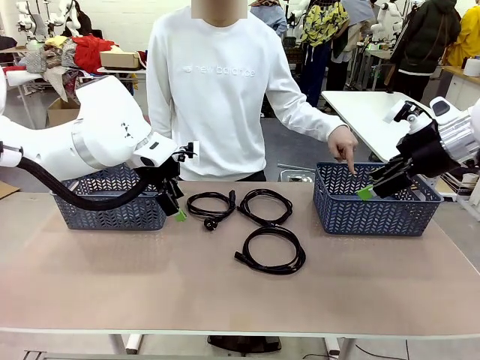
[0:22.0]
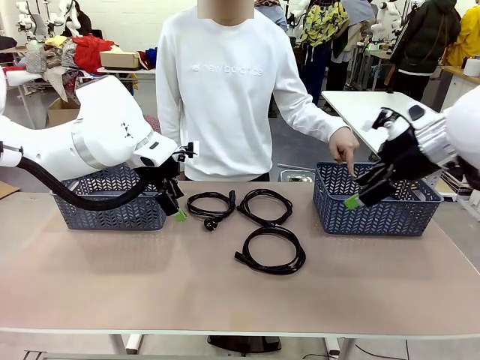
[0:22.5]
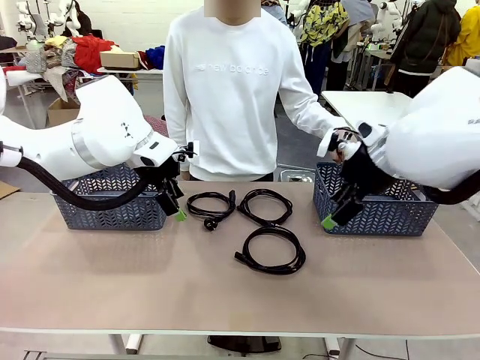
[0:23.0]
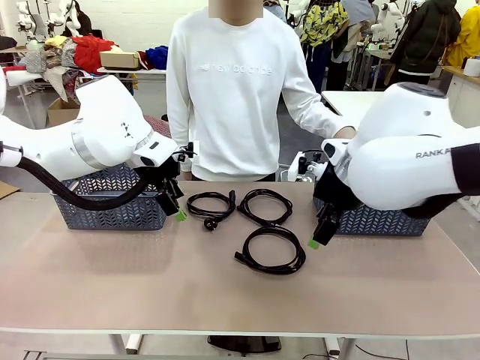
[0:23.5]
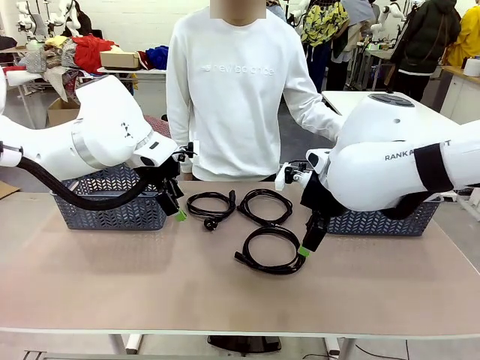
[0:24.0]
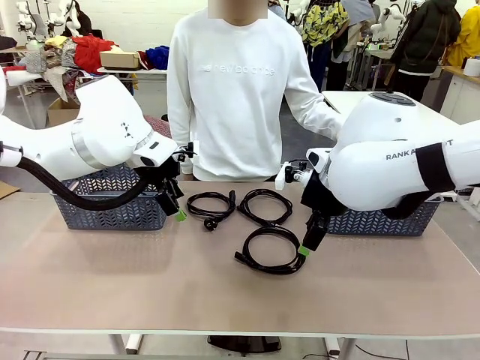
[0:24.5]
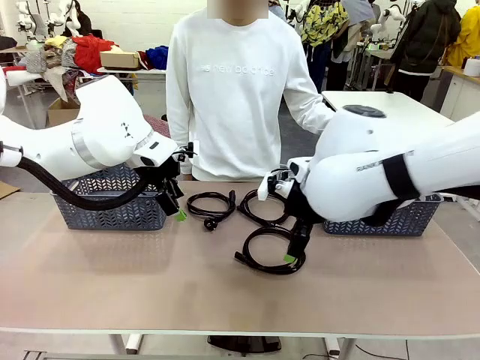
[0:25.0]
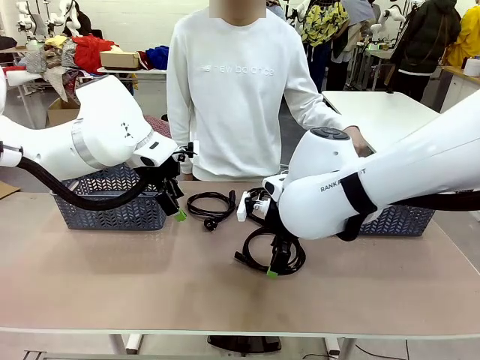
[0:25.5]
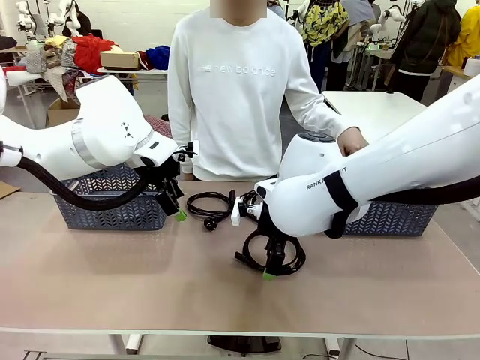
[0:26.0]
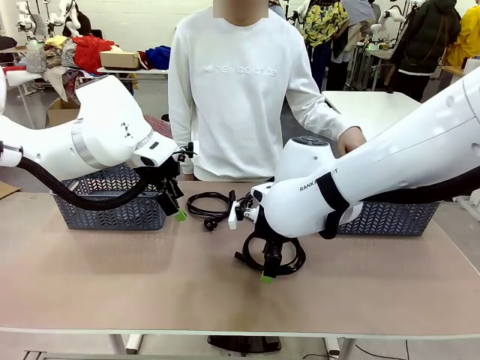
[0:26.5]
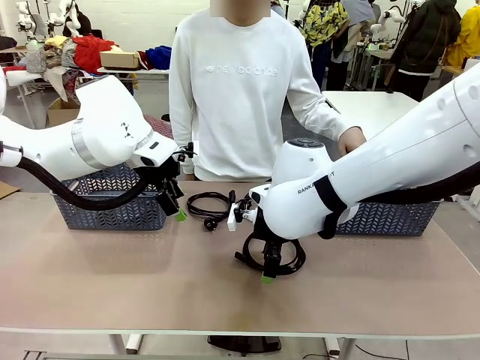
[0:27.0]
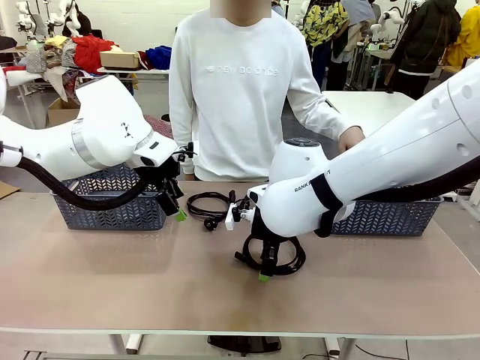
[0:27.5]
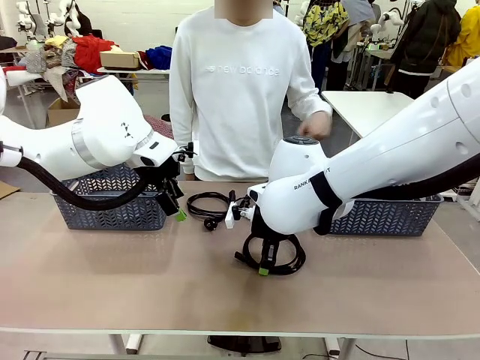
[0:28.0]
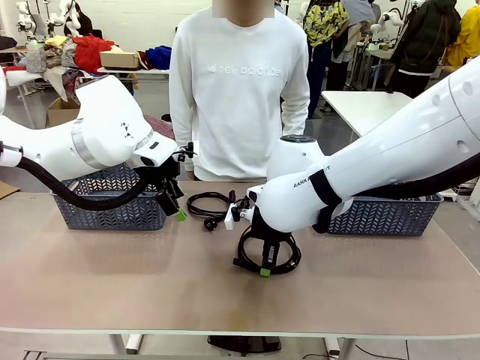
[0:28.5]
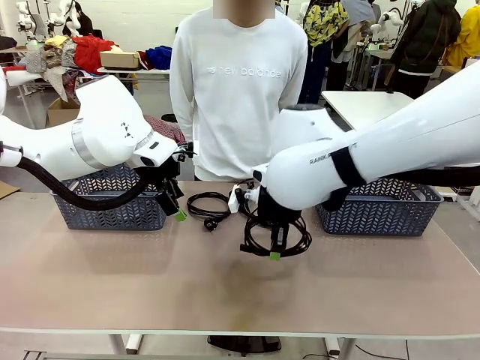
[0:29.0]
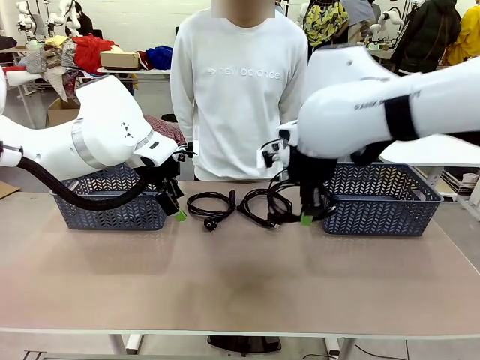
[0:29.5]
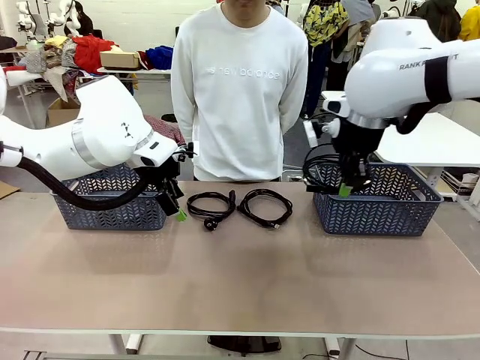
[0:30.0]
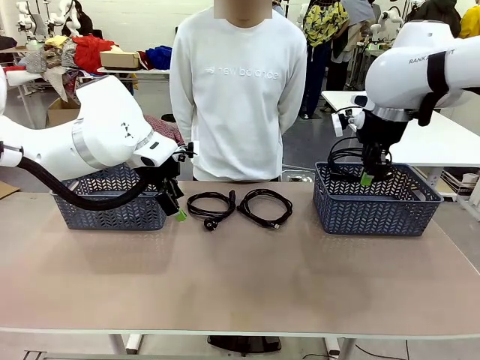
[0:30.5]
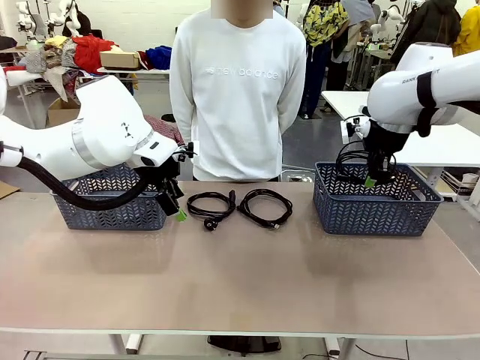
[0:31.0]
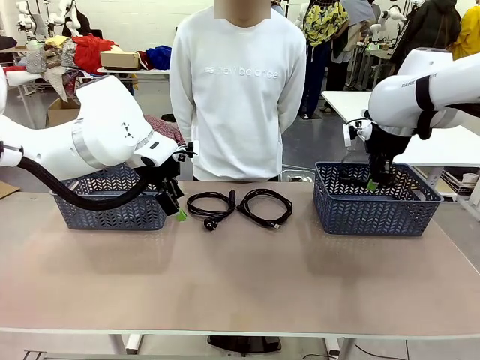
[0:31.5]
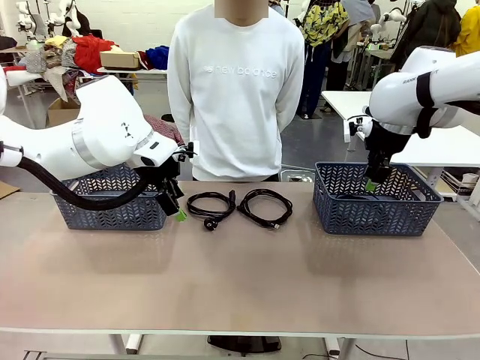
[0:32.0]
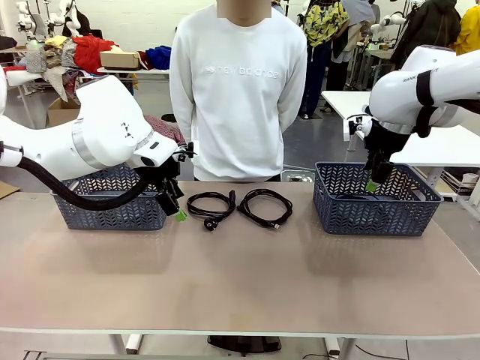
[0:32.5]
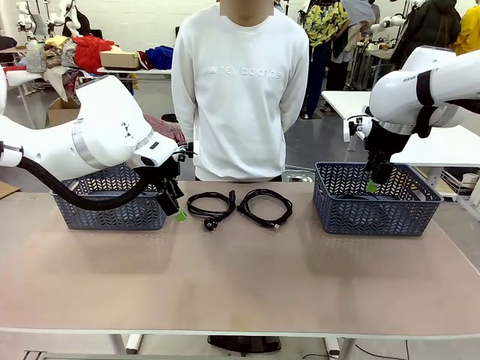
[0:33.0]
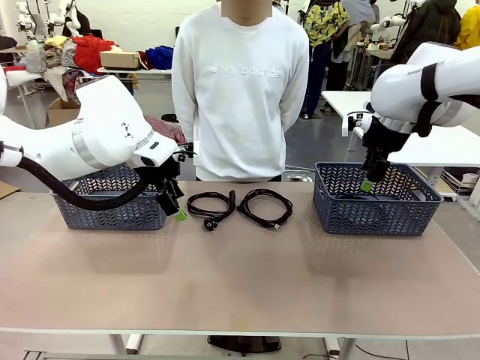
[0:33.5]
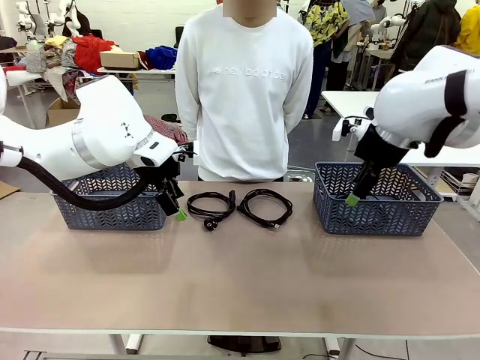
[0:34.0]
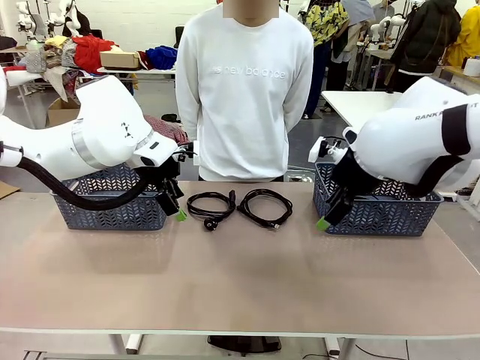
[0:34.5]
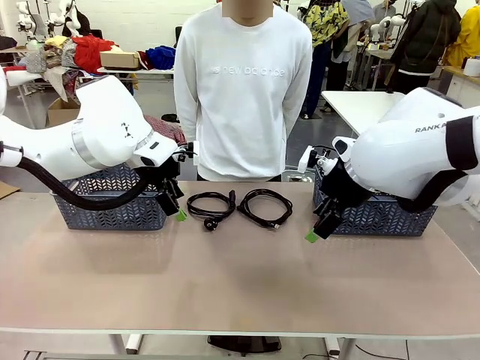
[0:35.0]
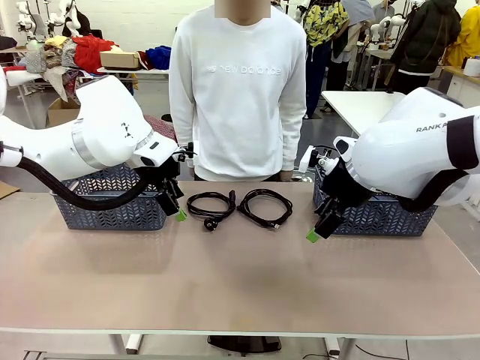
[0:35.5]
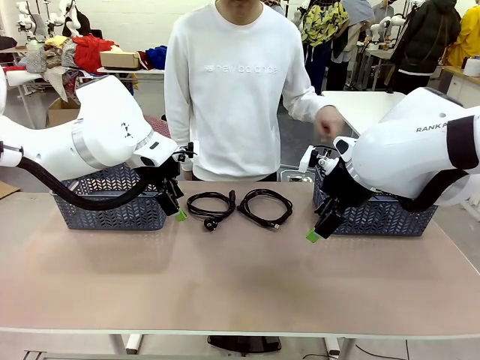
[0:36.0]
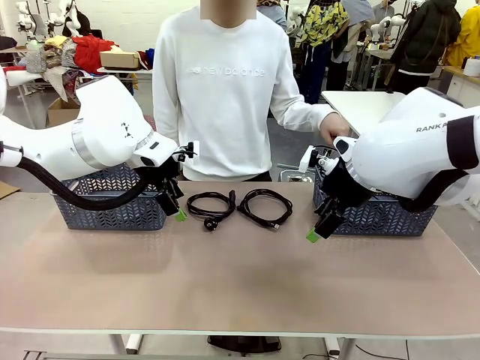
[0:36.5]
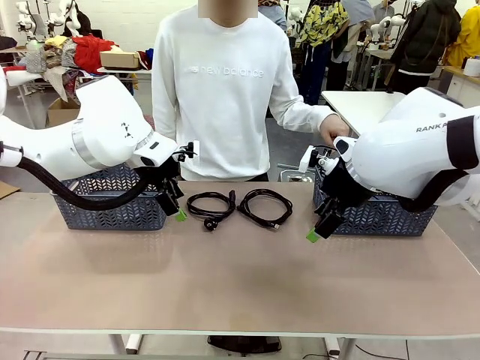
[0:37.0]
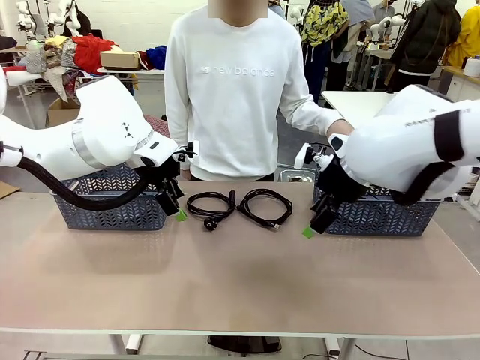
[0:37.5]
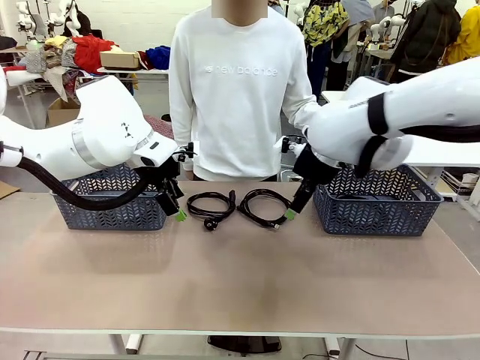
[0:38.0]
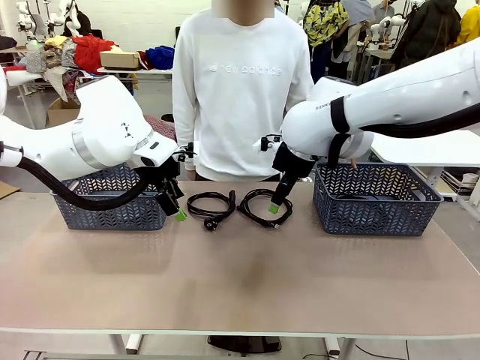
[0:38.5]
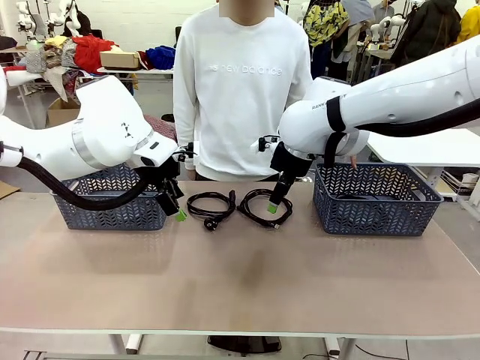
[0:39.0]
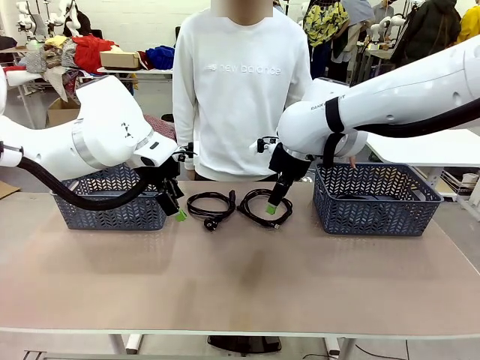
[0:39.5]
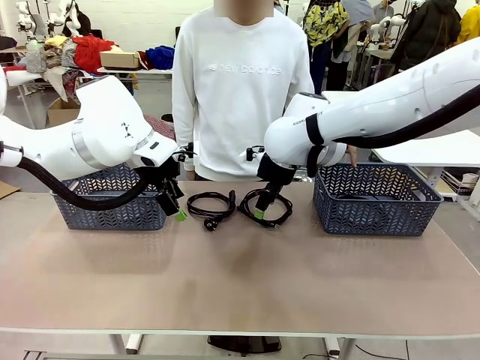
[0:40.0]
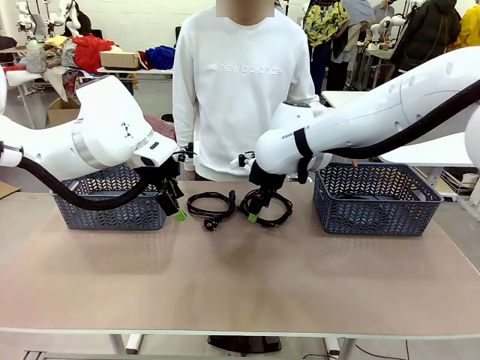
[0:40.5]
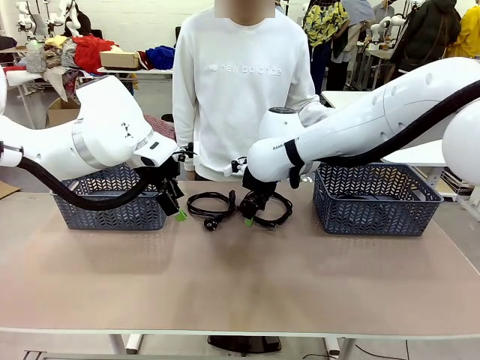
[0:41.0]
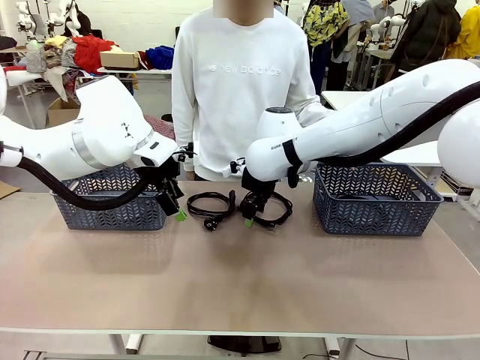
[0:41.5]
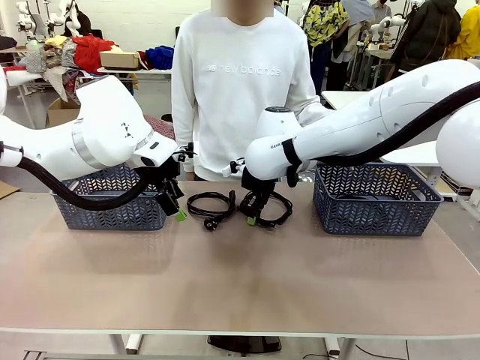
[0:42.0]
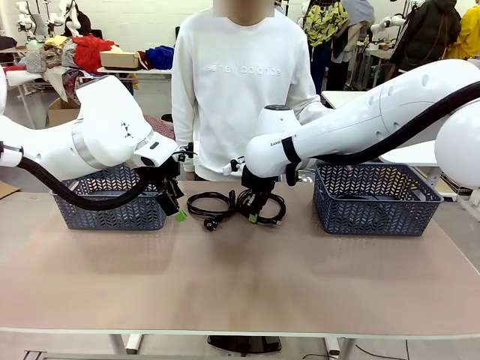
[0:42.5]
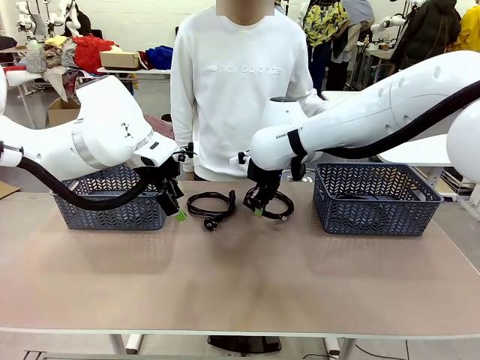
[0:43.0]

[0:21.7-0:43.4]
Task: Organize the cables according to human instructions.
Robot: Pick up a bundle of cables and place it in the basket indicated by the human.

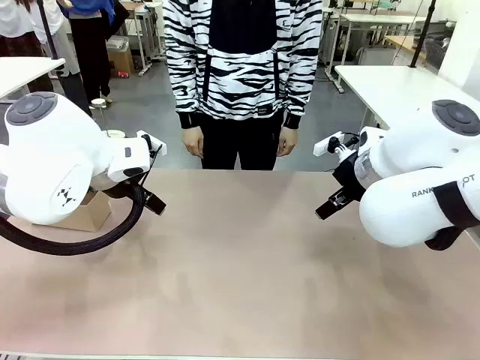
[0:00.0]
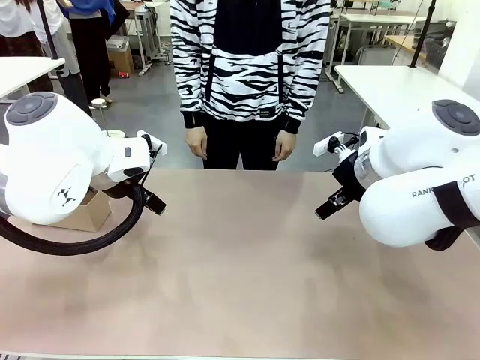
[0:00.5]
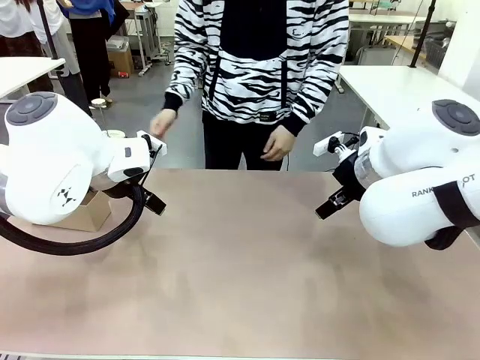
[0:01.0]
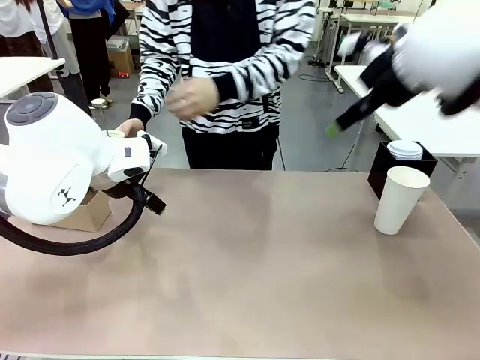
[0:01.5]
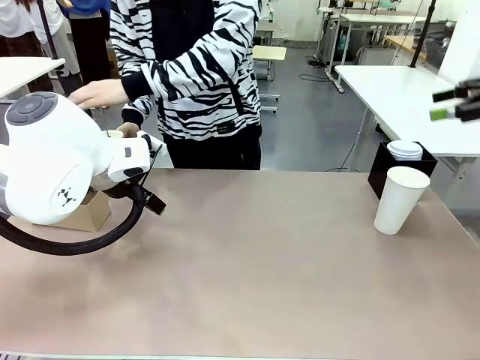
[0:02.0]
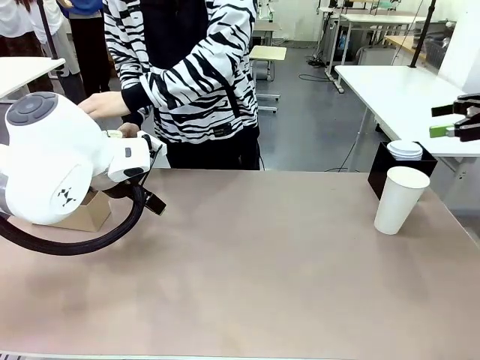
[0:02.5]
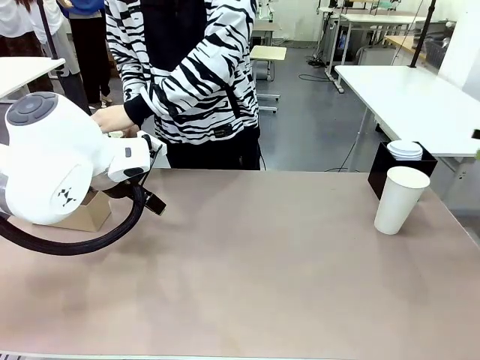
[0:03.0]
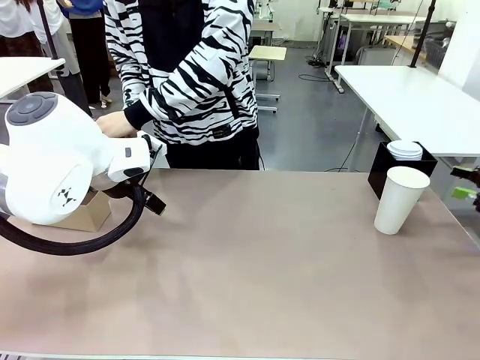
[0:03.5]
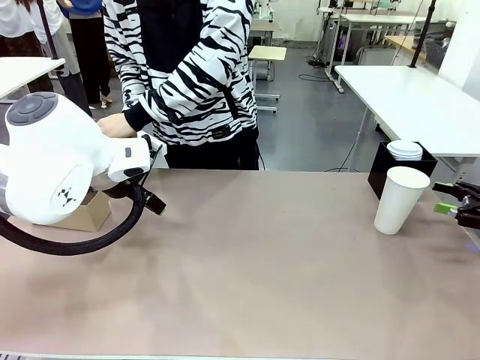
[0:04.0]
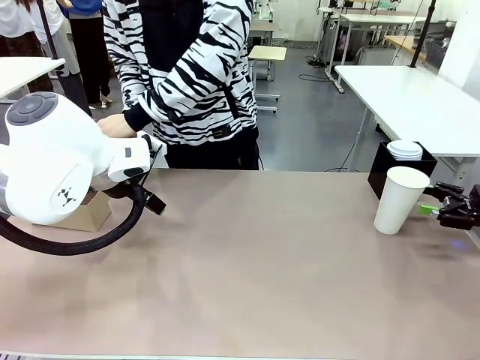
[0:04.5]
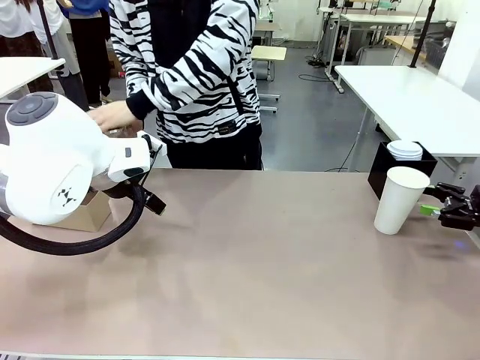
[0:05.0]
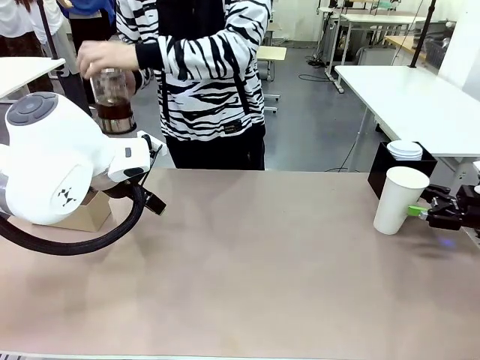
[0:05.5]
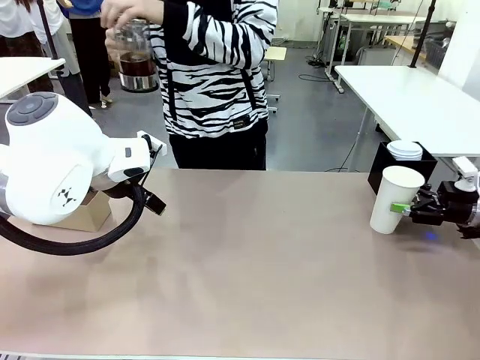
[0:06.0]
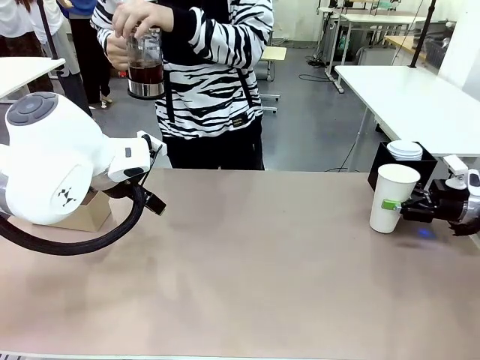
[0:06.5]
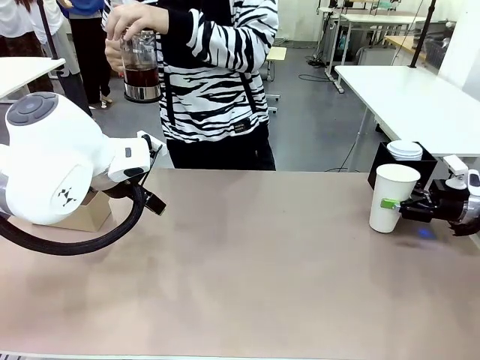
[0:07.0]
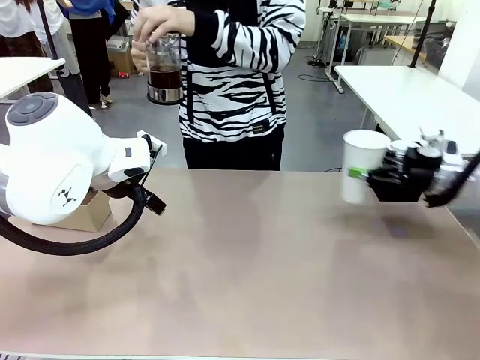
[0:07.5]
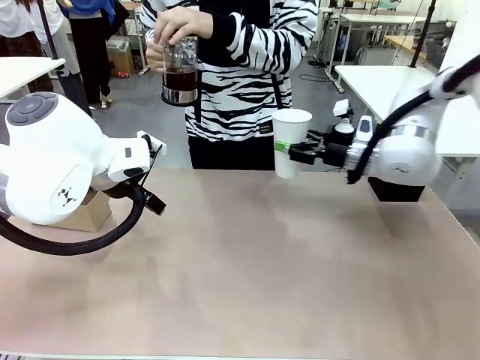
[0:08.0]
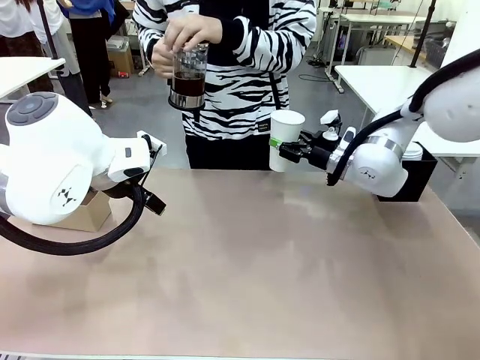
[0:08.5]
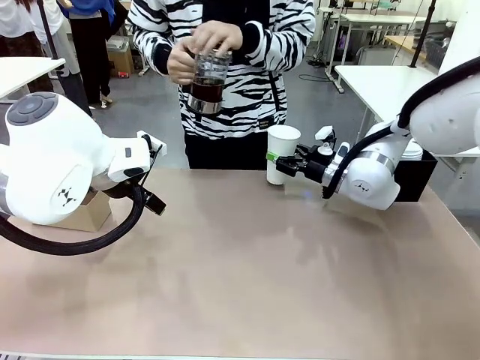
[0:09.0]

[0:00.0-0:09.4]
Task: Pour a drink into a cup and package it in a carrier.
Robot: Pick up the 600 ml Paper Cup and place it in the middle top area of the table.
Person: Press and pick up the Filter Brewing.
